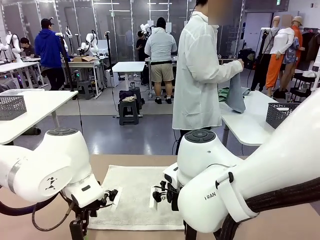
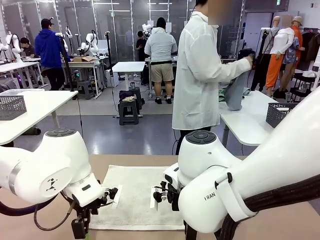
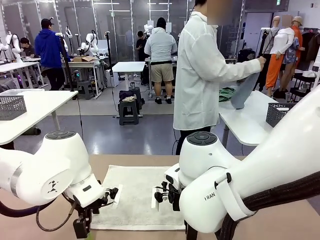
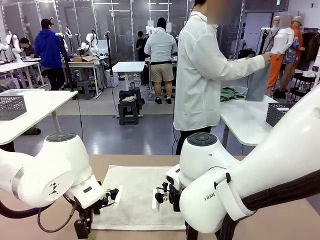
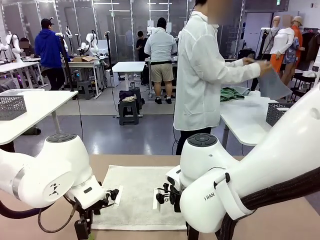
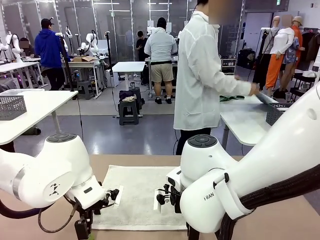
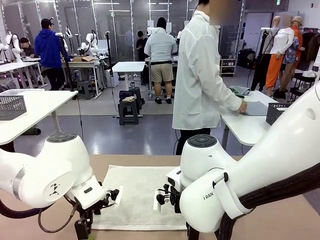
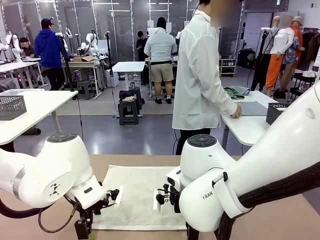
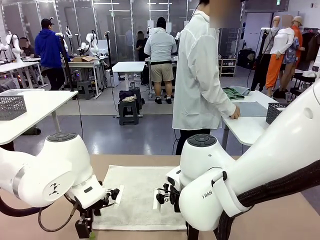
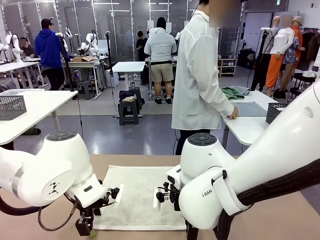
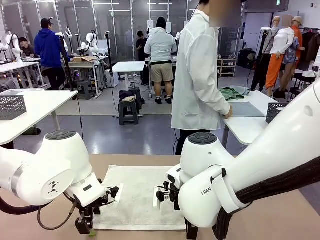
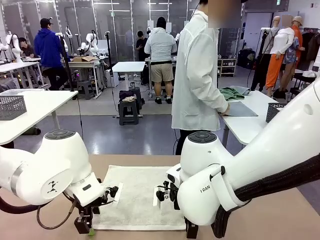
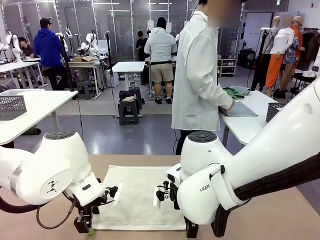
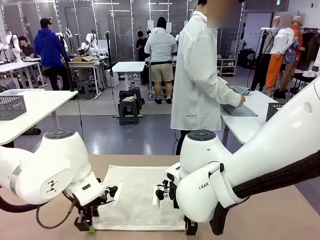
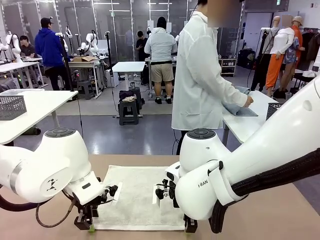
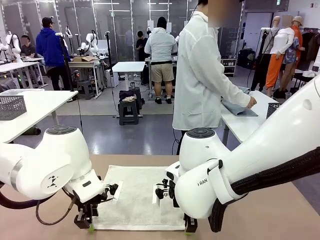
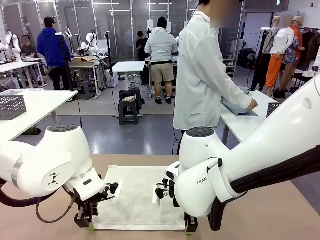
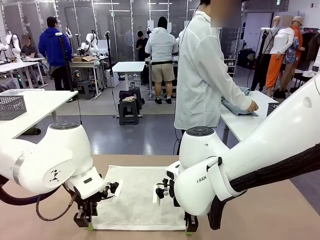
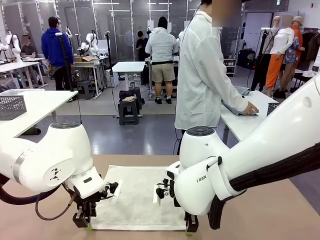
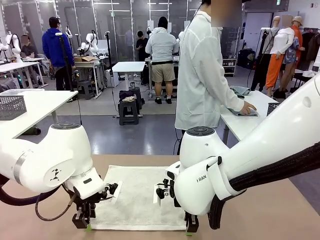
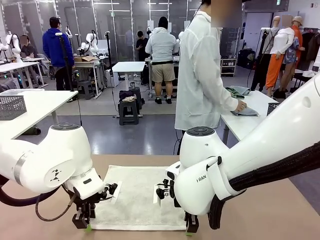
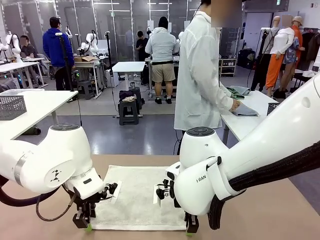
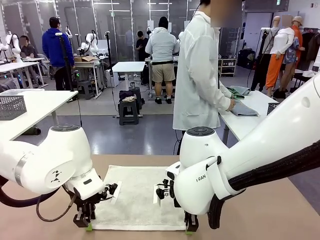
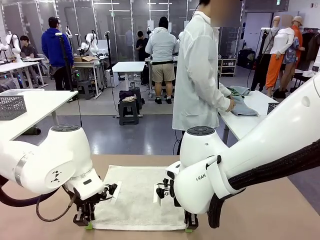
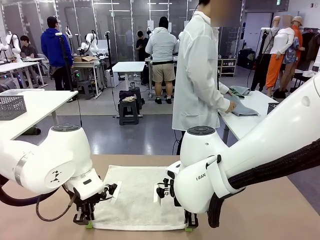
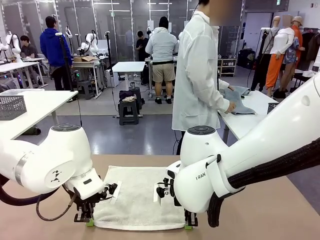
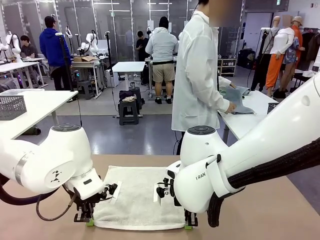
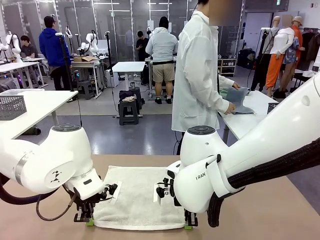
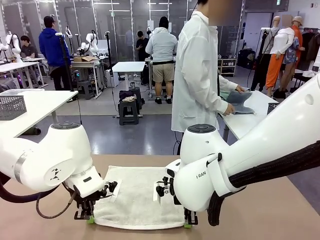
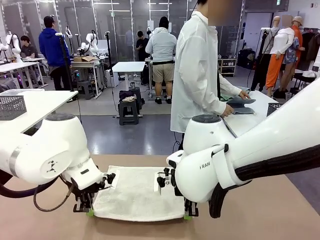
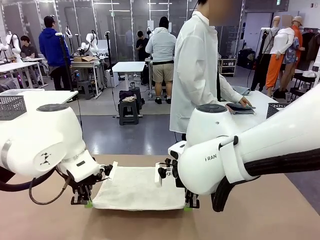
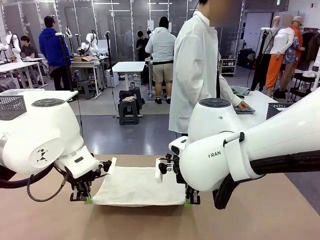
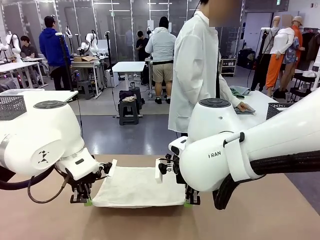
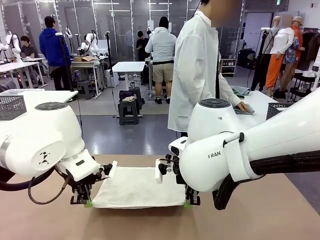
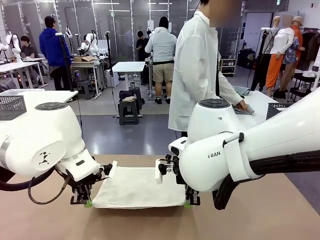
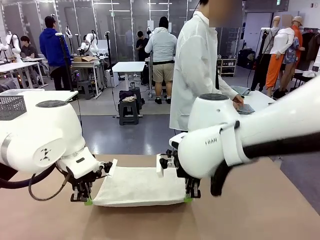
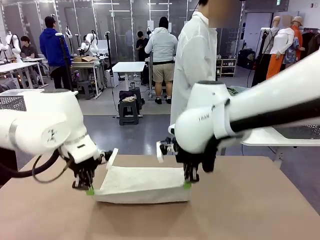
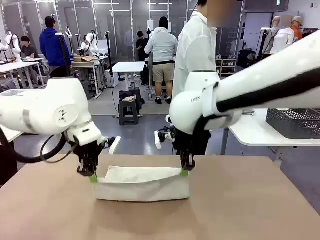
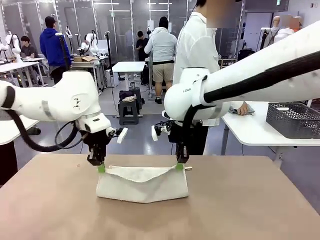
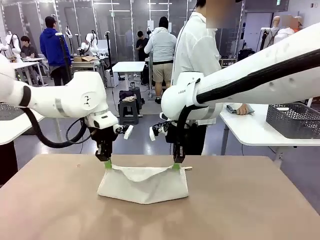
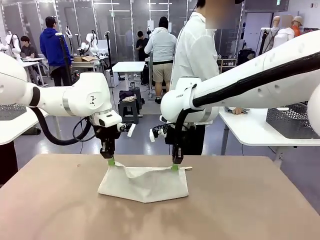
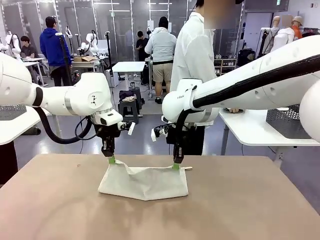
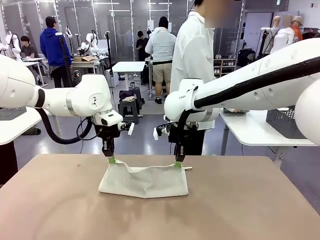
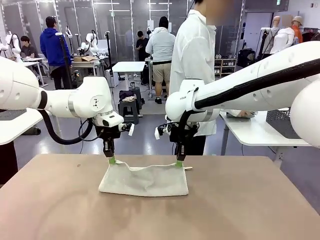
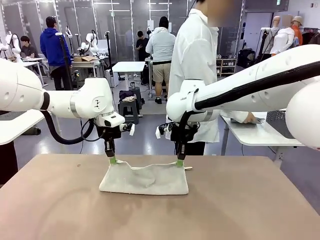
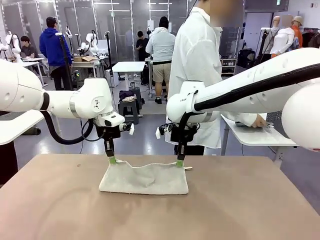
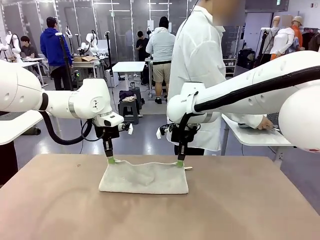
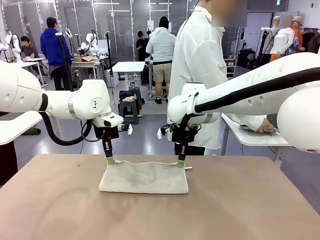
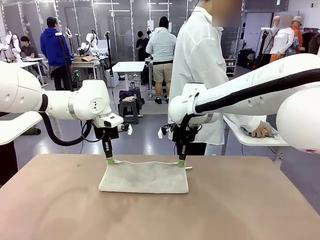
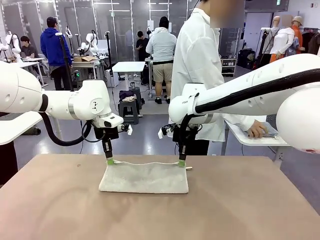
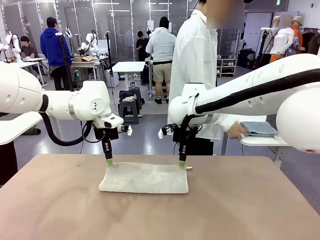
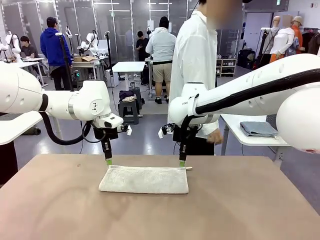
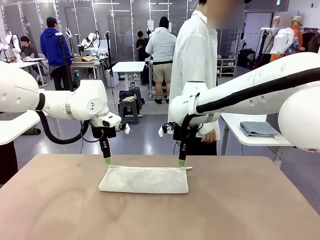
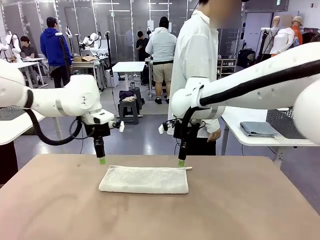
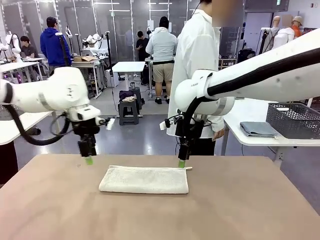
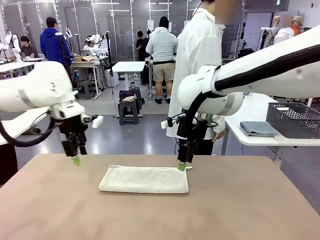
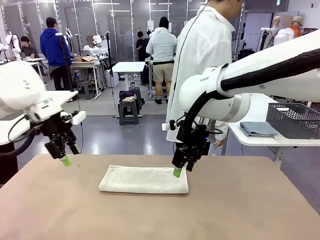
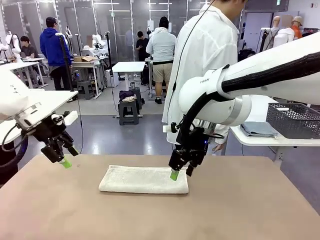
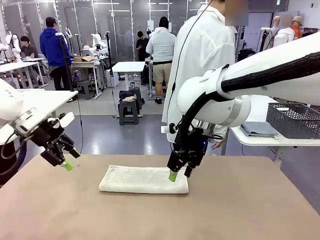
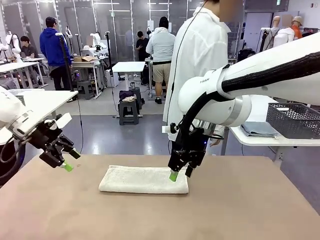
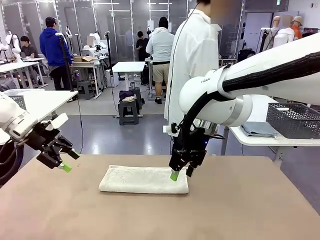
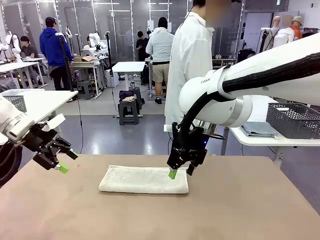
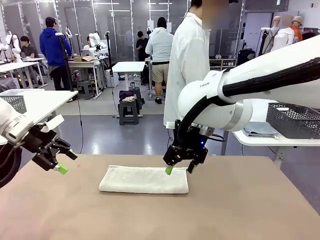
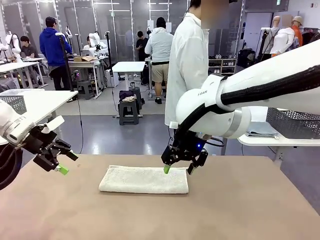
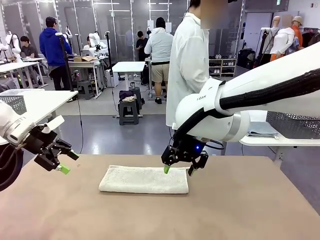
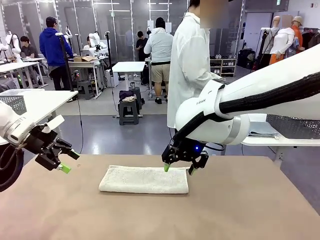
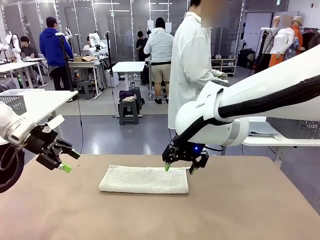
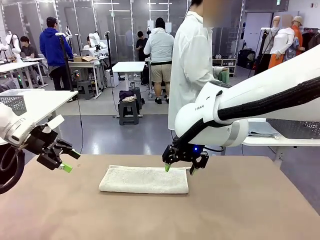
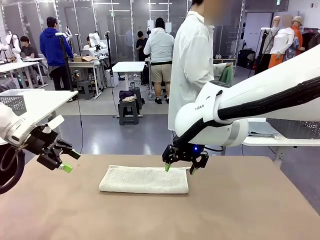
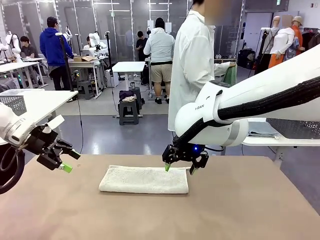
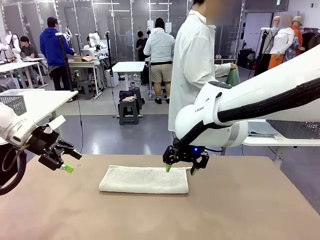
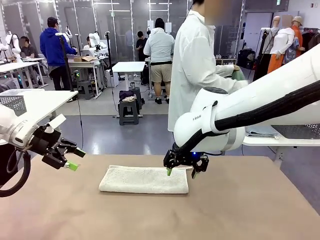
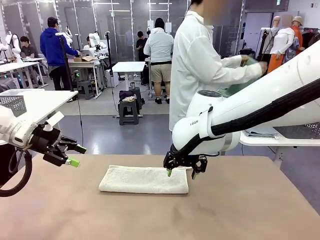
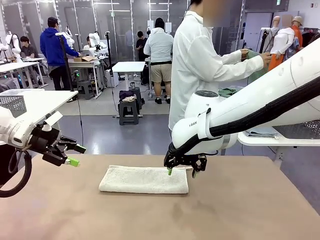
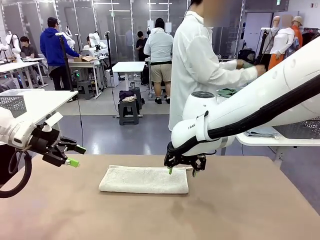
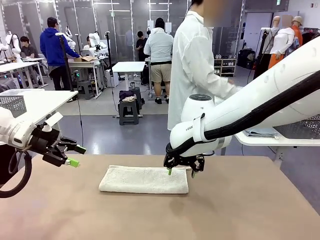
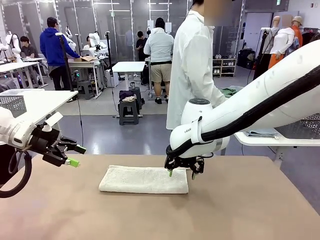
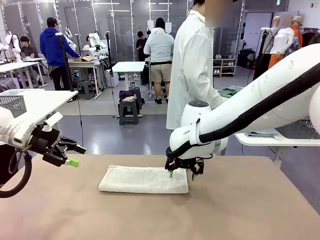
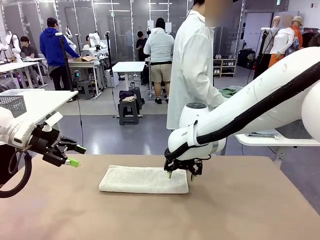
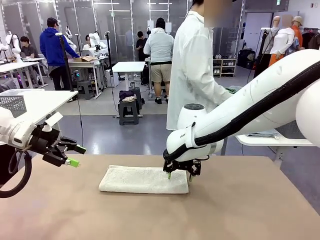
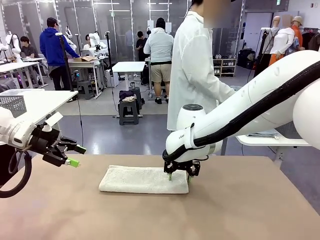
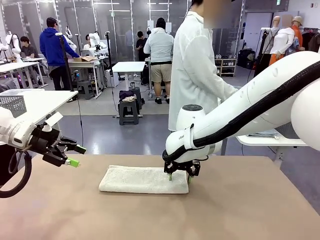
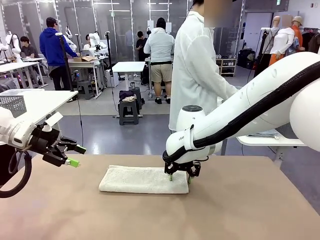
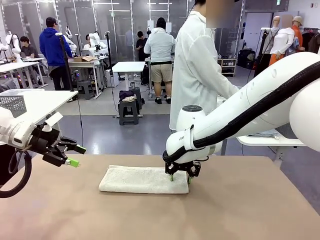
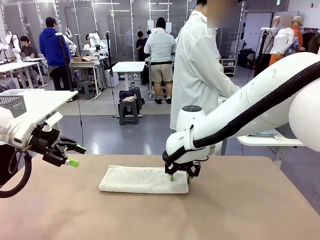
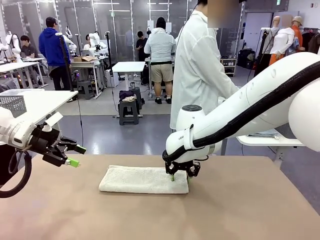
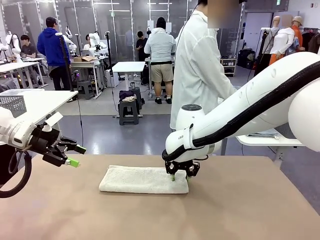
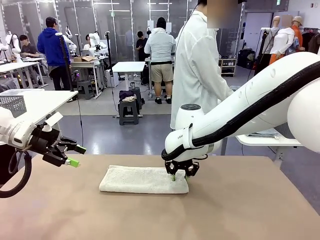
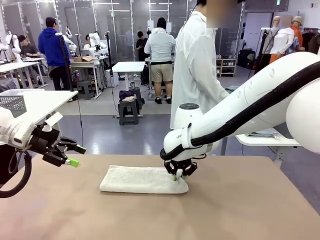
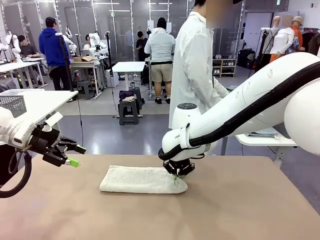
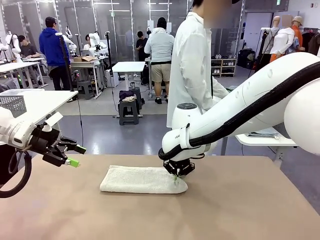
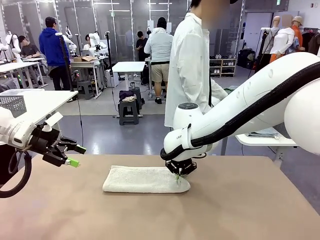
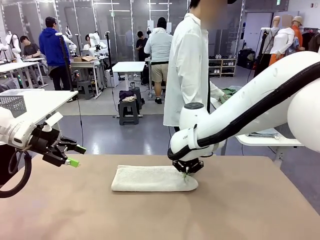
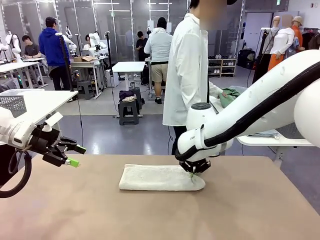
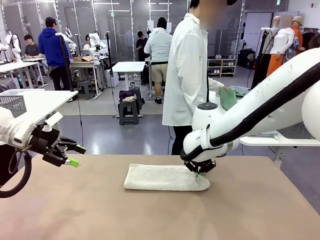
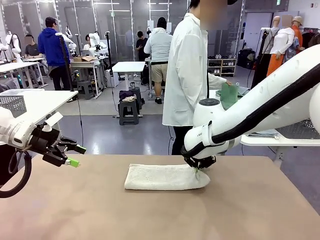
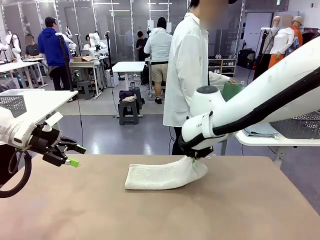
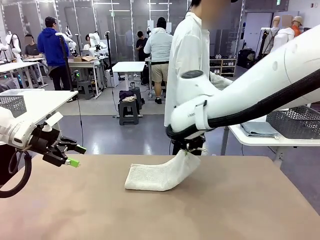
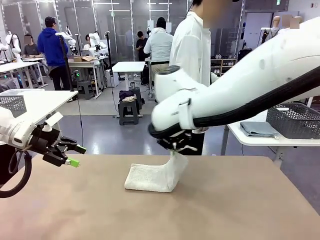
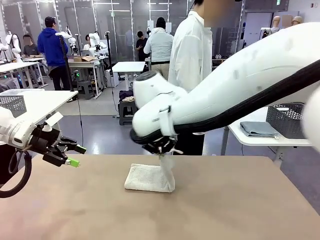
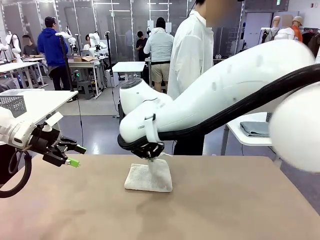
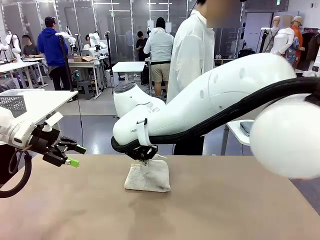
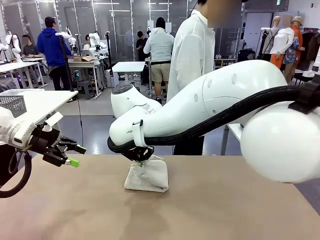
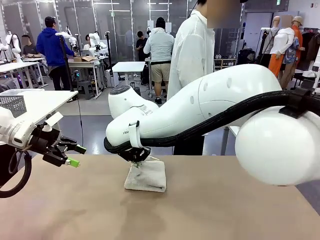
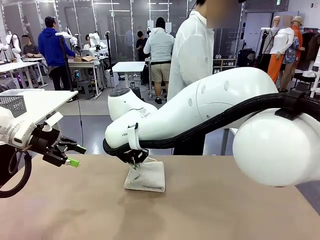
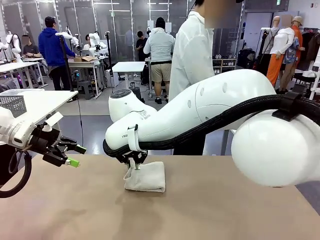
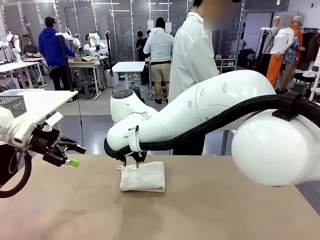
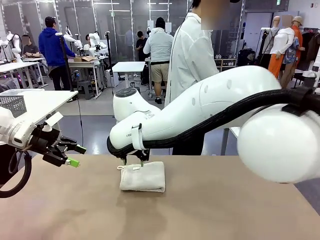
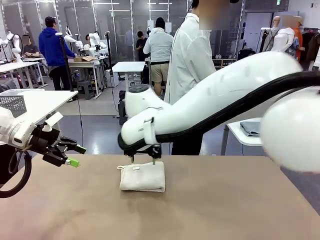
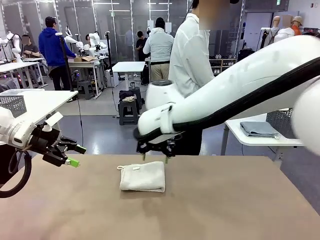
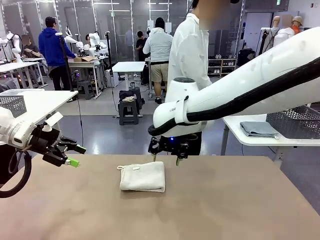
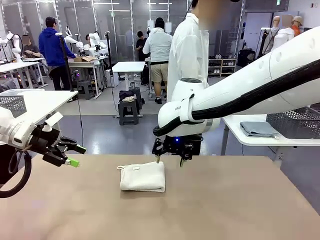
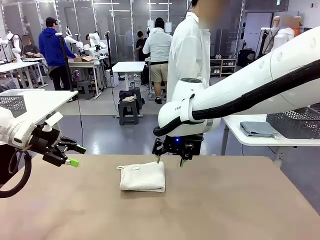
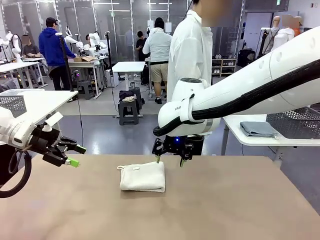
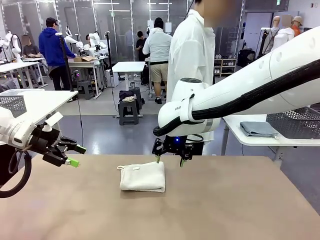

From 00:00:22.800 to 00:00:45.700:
Task: Fold the towels and place them in the basket.
Robot: When a person lays out a Towel with hook on the table, fold it in half twice.
Person: Pick up one towel from the left side of the human table, fold it in half twice, and place it on the right side of the table. Pick up one towel from the left side of the human table, fold it in half twice, and stack it on the right side of the table.
